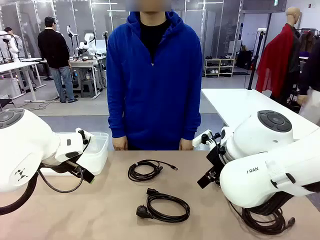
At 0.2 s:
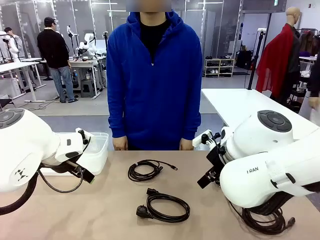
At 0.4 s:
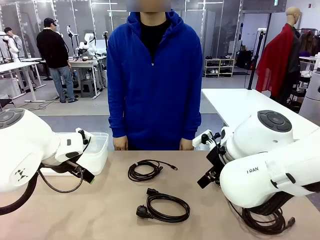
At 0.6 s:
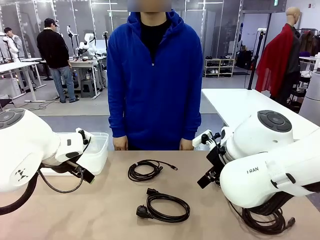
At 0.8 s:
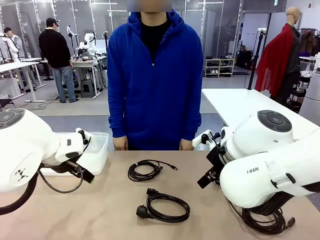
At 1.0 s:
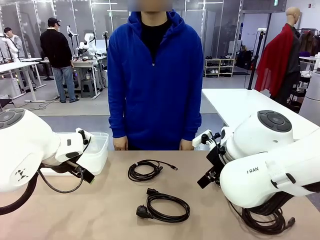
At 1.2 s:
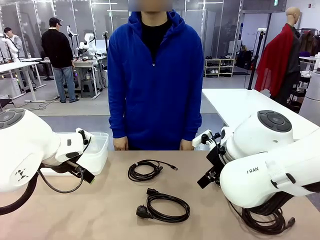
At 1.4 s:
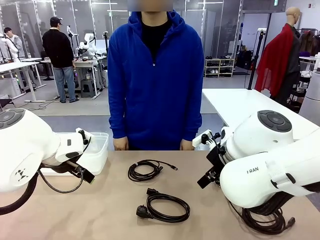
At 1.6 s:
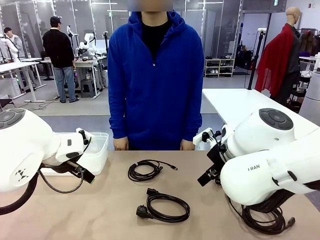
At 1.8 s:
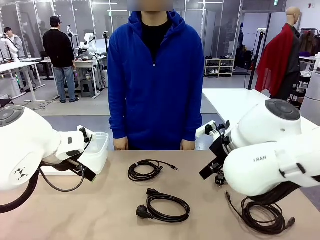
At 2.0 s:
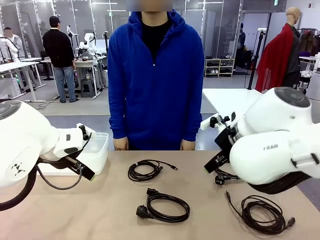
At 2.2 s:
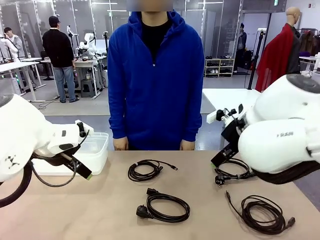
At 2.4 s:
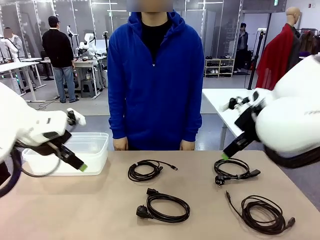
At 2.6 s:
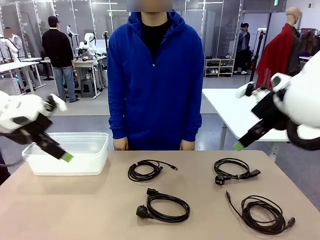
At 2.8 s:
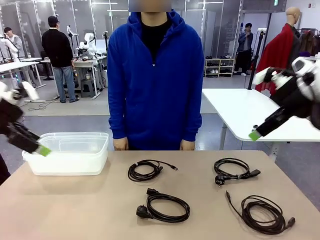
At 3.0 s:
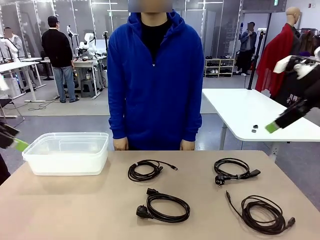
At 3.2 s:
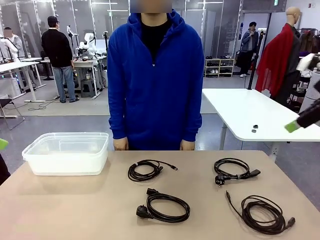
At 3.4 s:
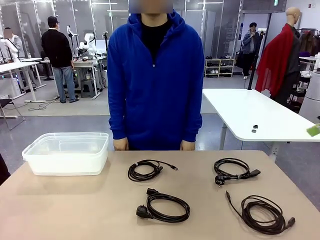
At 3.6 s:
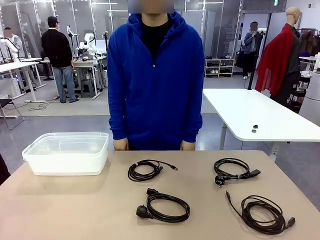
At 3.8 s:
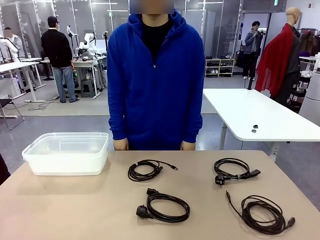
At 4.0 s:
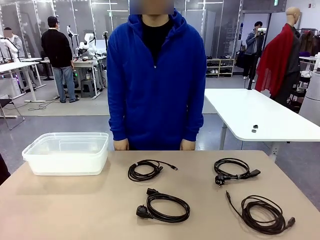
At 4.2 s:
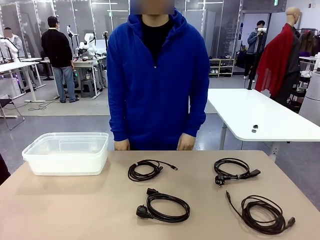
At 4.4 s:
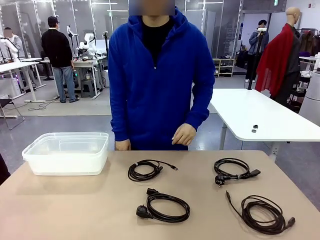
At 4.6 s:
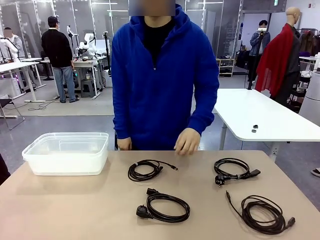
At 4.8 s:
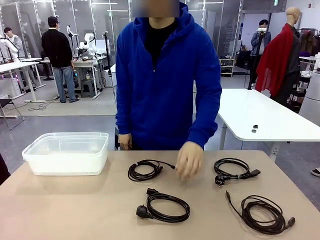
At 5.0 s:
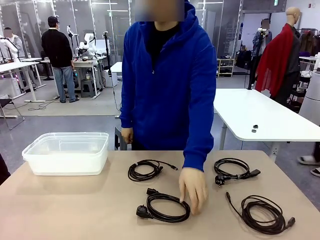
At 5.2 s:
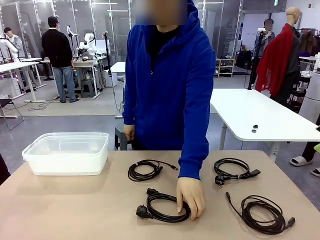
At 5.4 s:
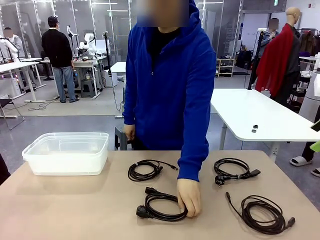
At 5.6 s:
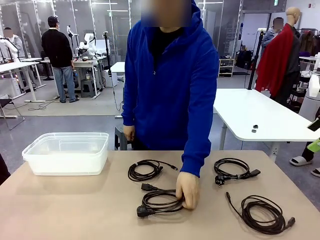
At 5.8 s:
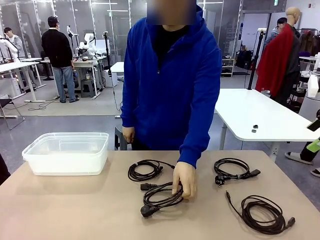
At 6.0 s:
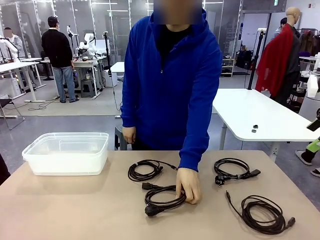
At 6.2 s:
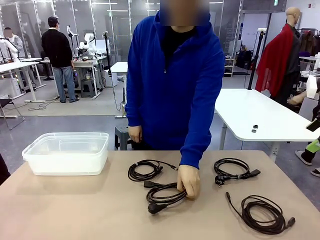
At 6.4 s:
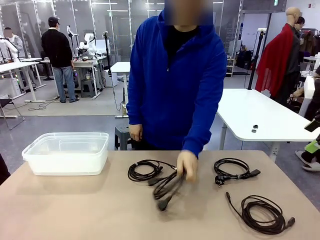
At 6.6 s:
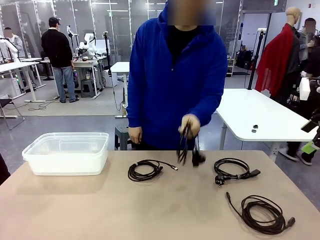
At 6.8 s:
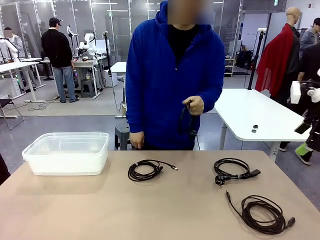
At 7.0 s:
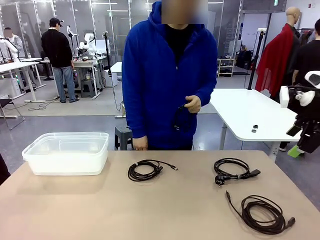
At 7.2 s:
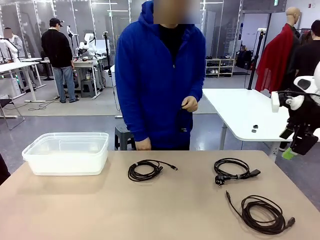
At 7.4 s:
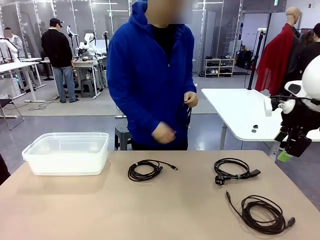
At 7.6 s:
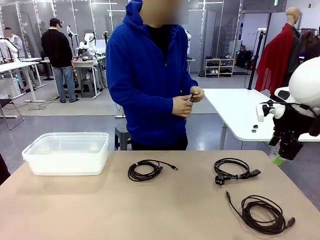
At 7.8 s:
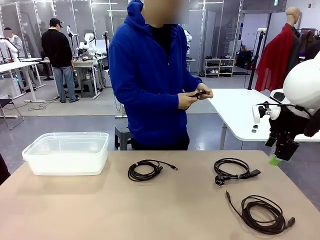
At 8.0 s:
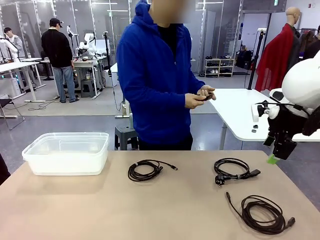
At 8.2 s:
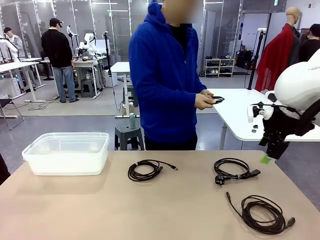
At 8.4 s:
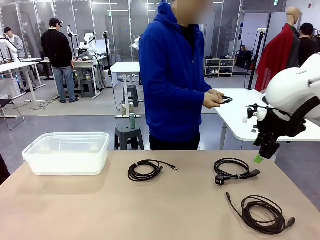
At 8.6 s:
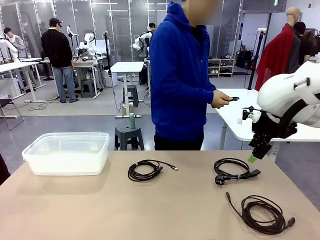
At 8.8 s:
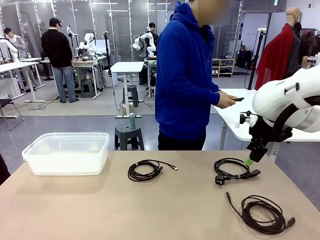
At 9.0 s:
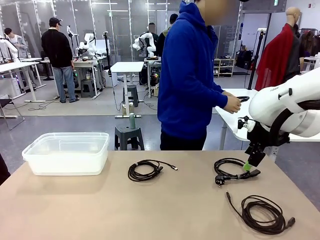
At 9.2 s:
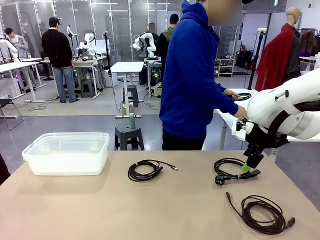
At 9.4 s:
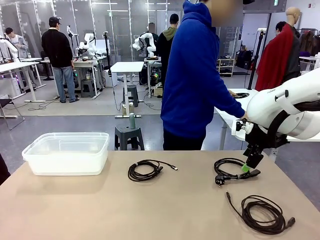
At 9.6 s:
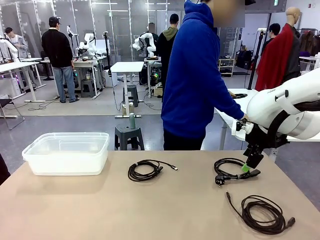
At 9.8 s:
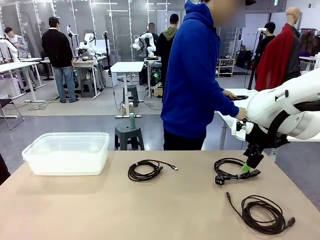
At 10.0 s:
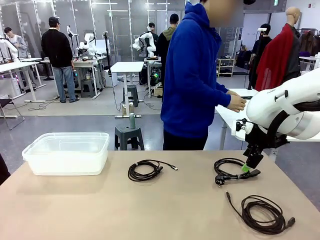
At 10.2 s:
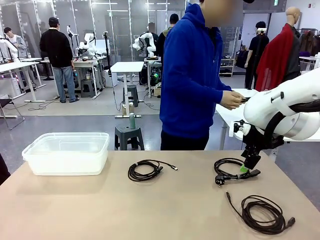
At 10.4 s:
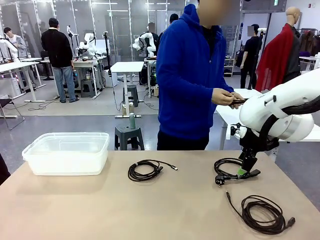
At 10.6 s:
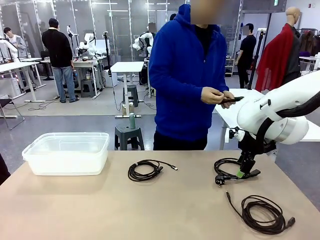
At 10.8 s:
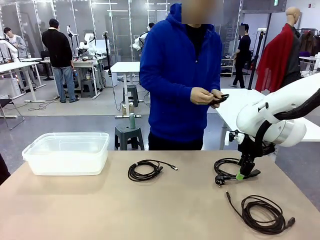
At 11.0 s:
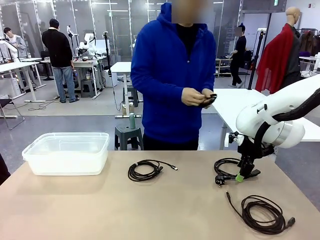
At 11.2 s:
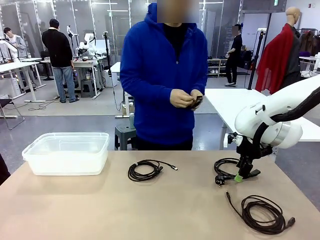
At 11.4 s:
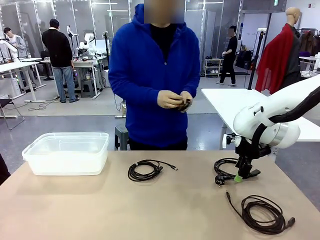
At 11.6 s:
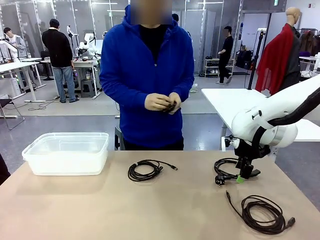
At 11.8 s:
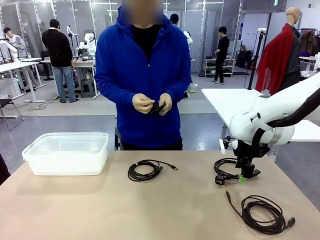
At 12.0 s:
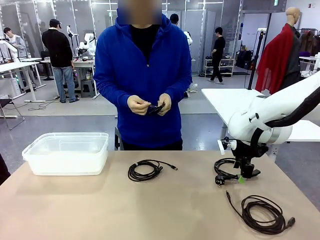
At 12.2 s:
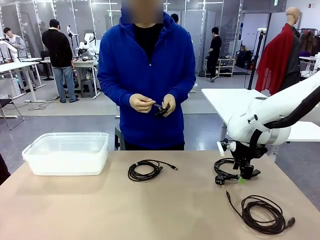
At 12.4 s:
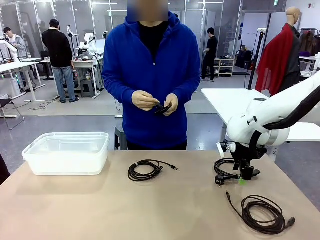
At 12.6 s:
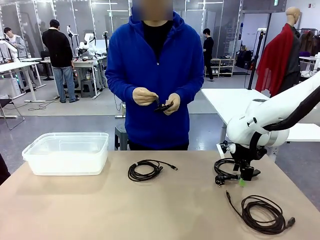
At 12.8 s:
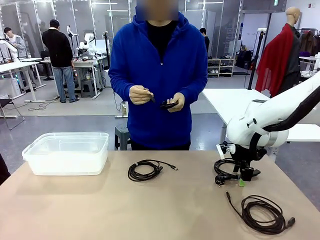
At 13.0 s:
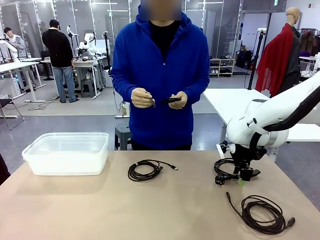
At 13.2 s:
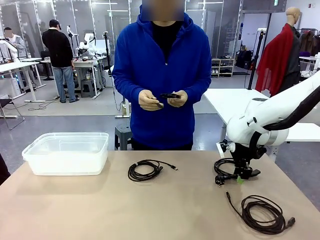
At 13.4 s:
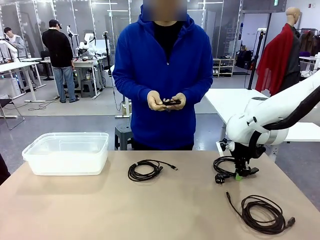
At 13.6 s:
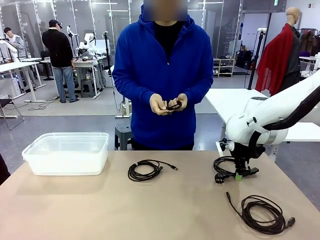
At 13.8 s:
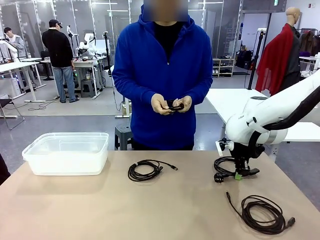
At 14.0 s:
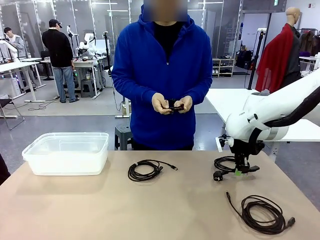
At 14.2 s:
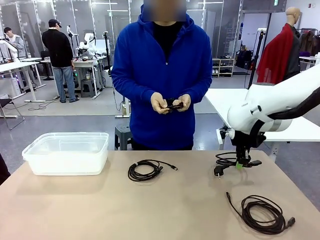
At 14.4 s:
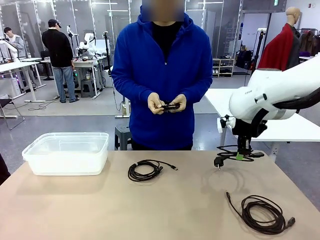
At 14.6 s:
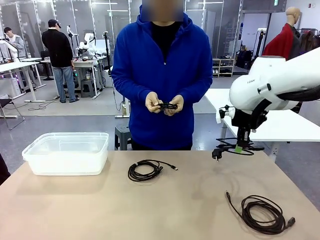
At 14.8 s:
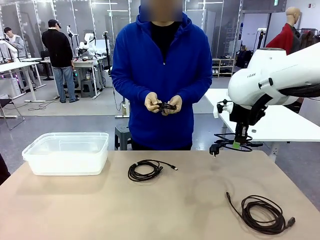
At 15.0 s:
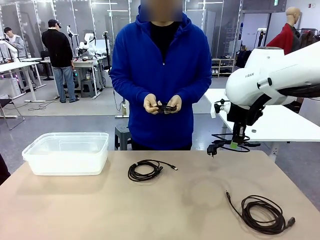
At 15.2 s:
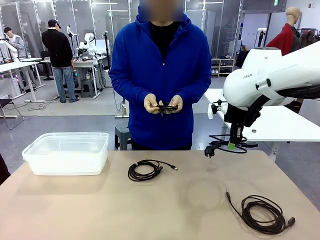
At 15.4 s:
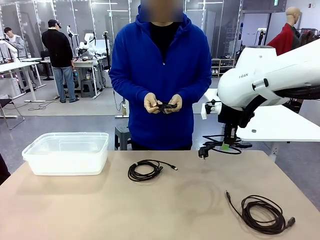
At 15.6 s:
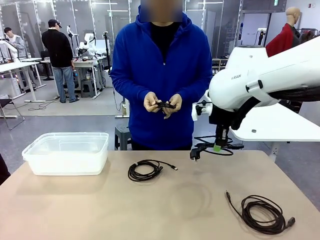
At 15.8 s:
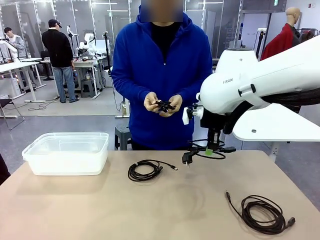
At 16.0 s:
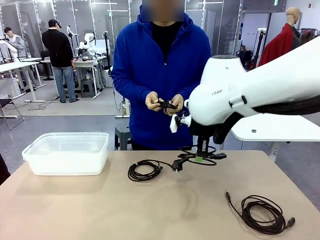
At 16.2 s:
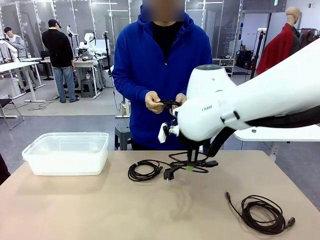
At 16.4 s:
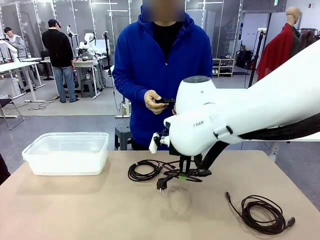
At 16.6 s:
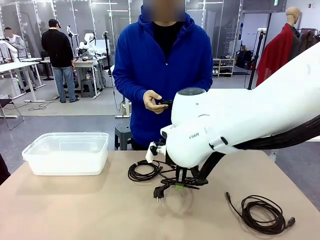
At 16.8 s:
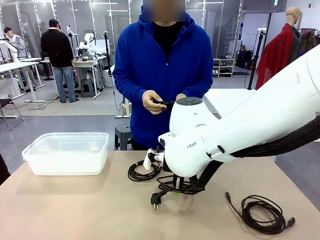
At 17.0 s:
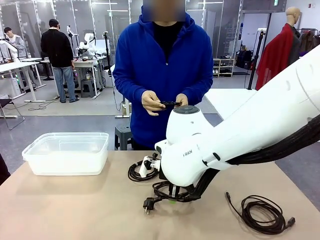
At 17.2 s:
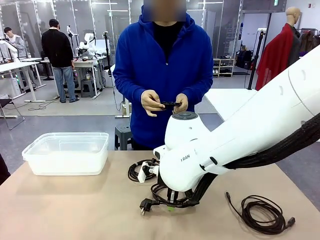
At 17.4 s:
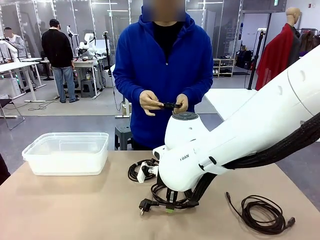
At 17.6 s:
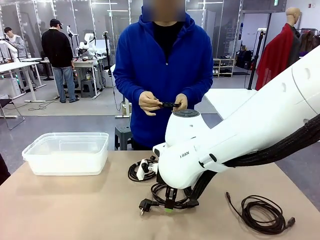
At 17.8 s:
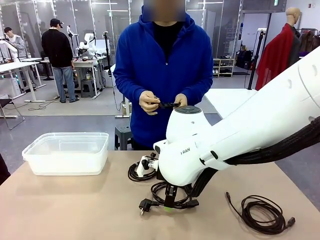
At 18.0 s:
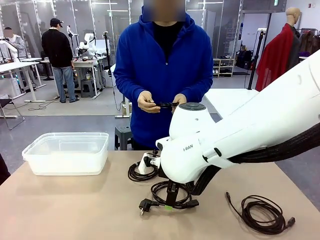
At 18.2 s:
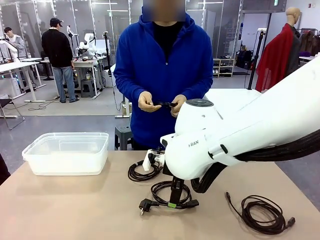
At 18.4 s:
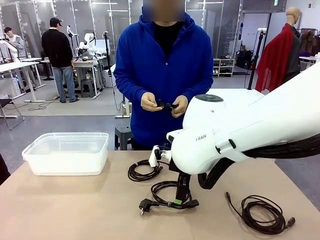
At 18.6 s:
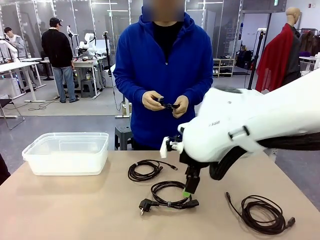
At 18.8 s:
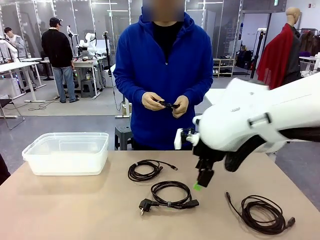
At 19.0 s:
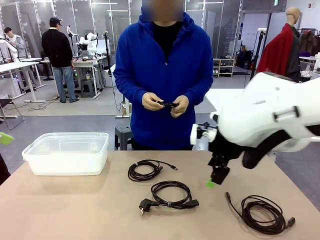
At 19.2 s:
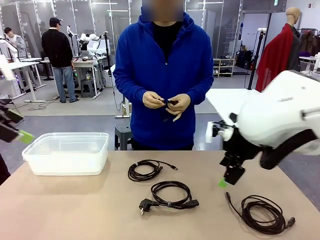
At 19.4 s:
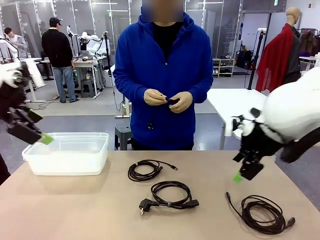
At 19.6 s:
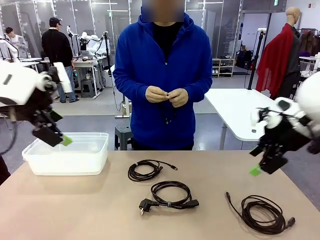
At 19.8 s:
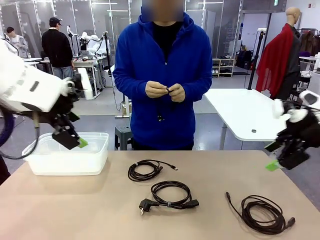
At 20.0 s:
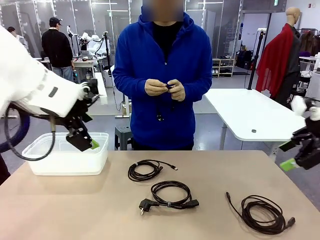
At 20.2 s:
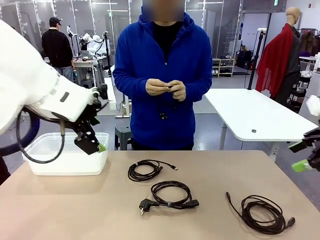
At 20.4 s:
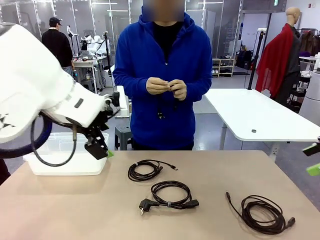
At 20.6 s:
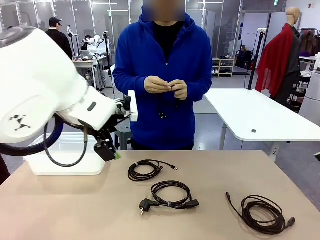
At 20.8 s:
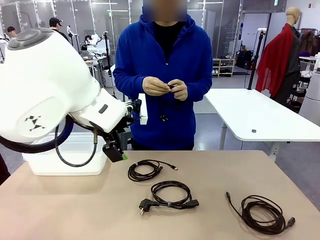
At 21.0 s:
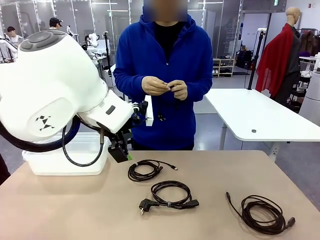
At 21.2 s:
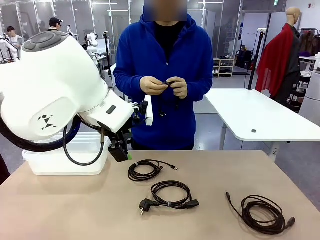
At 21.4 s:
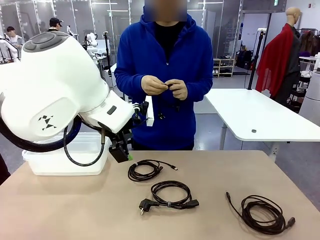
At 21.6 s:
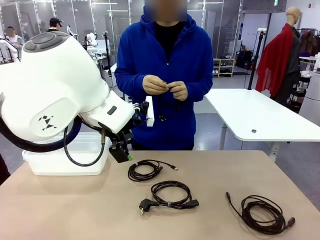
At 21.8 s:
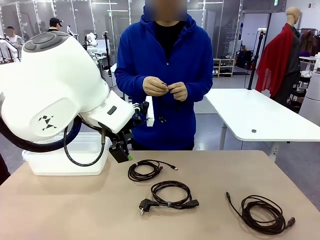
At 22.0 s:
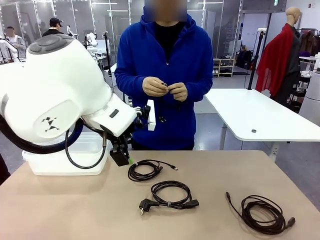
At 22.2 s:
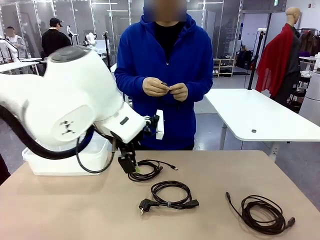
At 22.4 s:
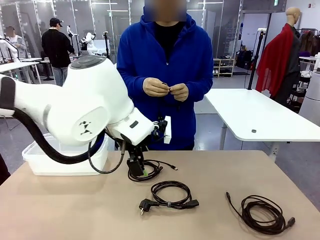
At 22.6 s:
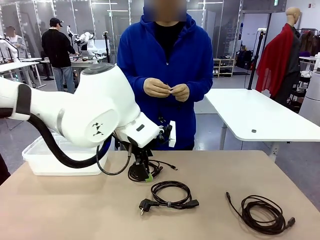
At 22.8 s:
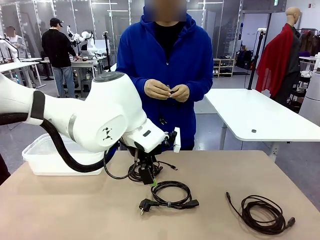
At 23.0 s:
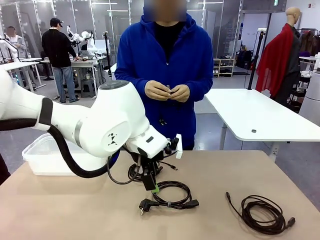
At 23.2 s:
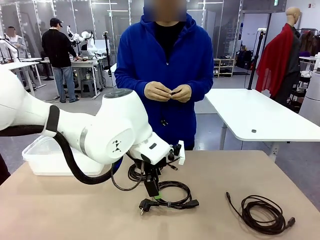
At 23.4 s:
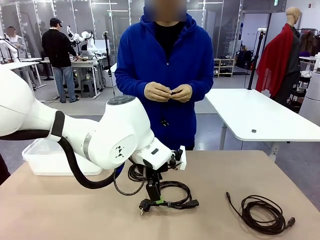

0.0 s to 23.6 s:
Task: Organize and store the cables.
Robot: Place the Power Cable into the Organizing box.
Person: Tie one Power Cable with a Reusable Cable Tie.
